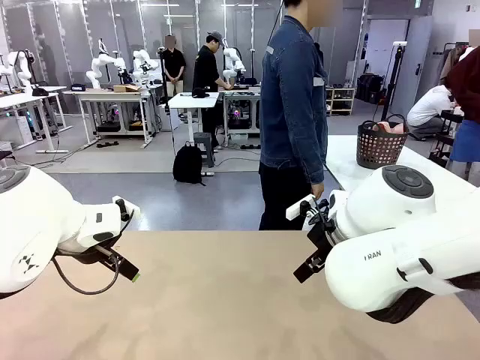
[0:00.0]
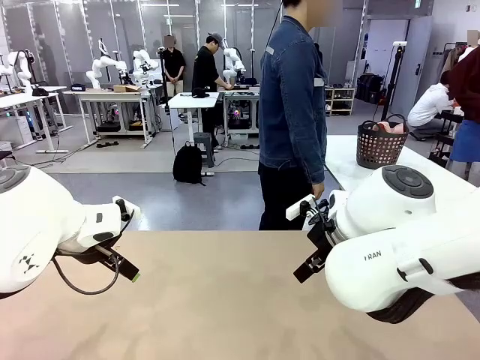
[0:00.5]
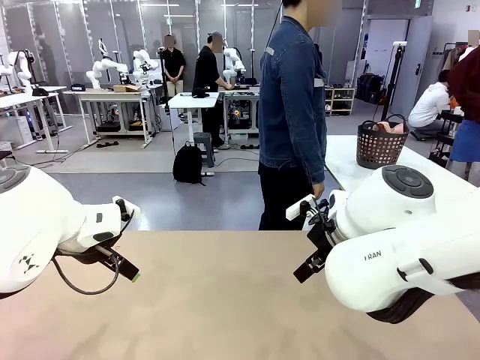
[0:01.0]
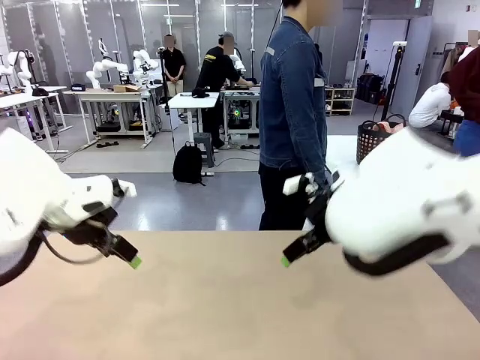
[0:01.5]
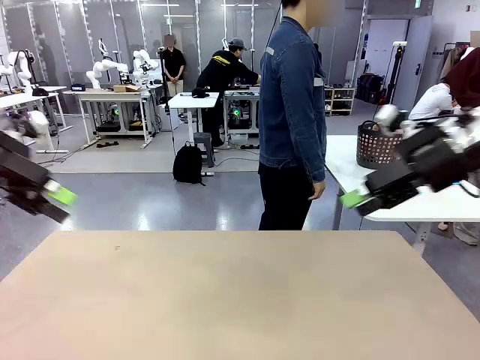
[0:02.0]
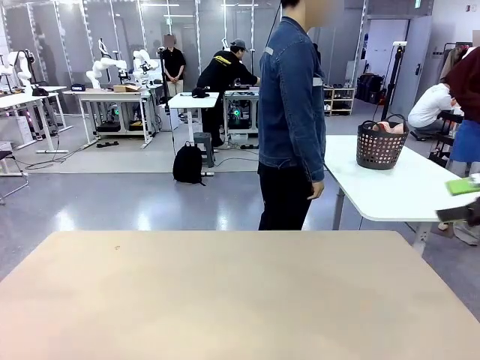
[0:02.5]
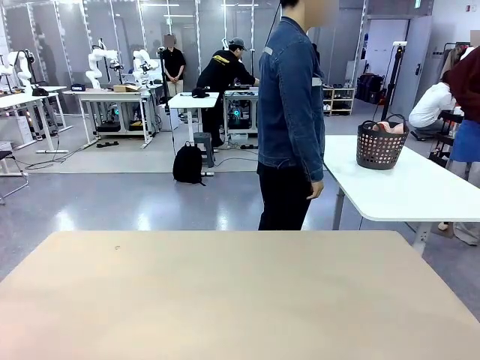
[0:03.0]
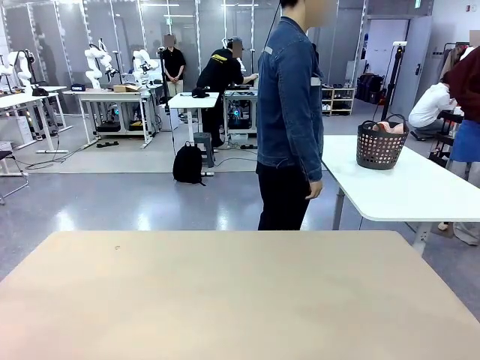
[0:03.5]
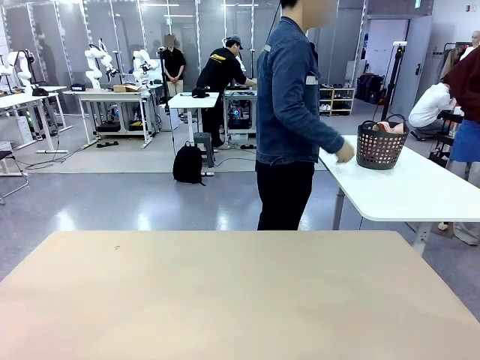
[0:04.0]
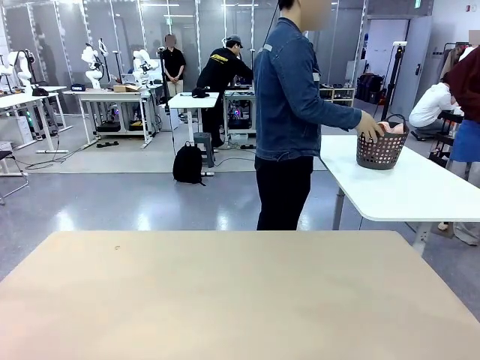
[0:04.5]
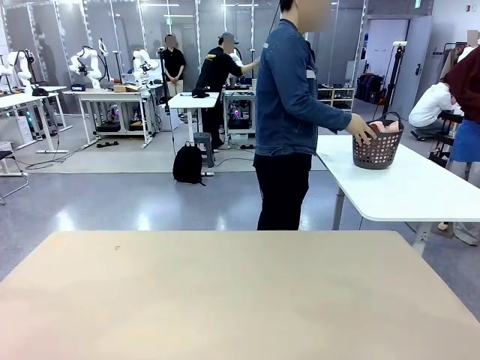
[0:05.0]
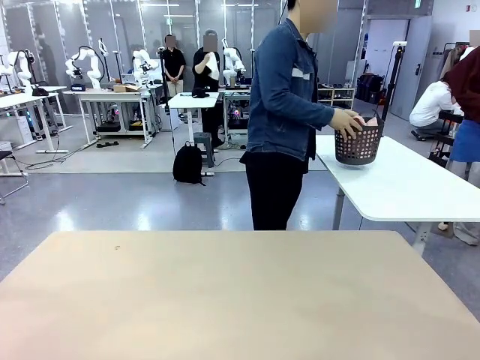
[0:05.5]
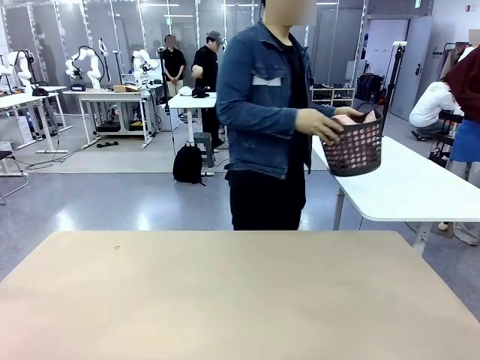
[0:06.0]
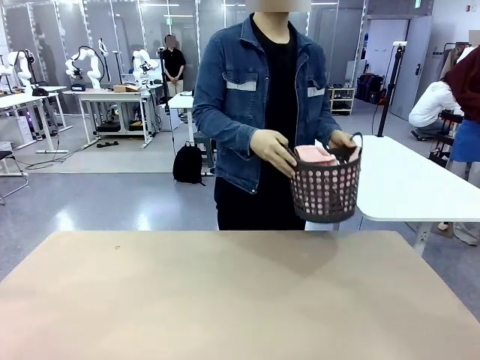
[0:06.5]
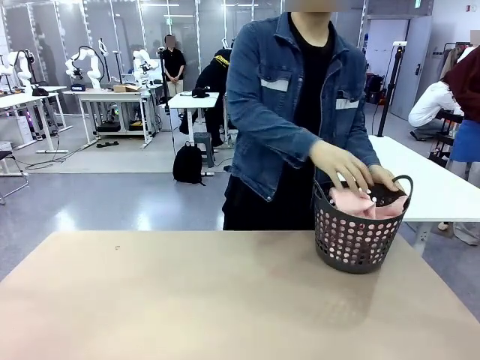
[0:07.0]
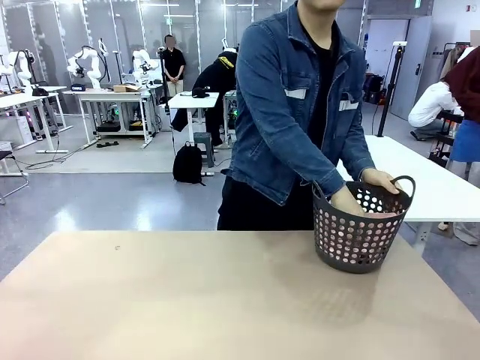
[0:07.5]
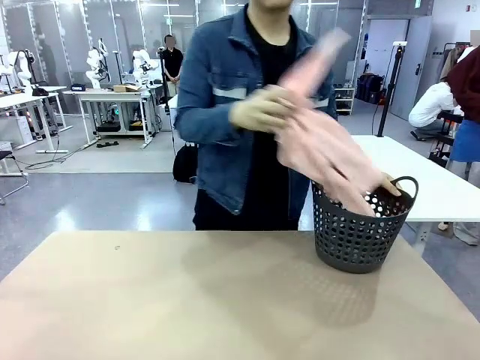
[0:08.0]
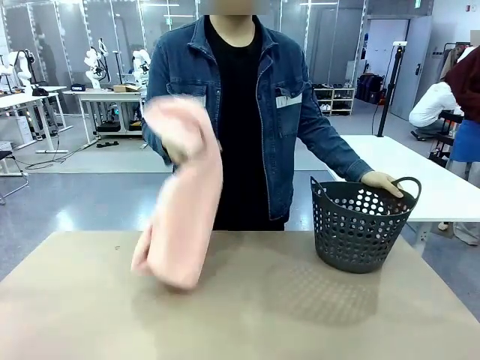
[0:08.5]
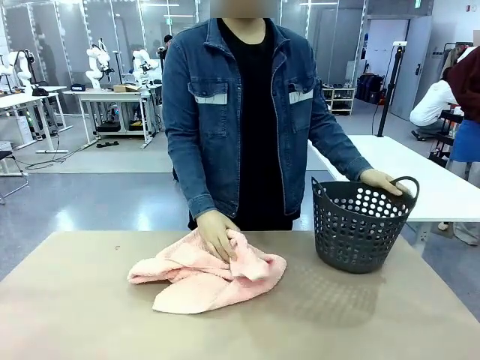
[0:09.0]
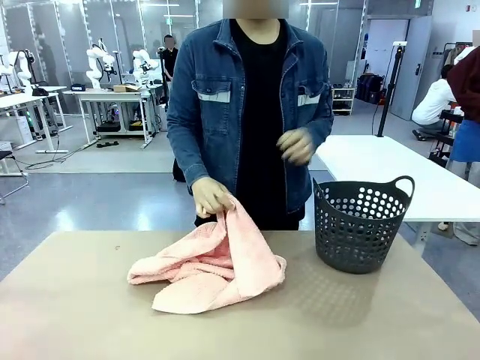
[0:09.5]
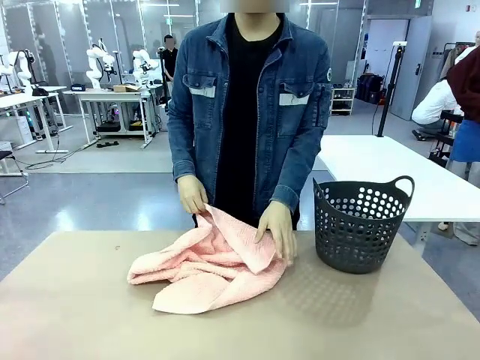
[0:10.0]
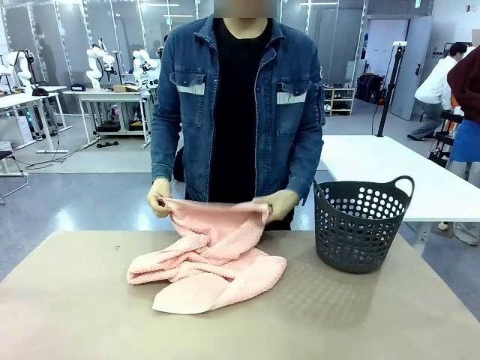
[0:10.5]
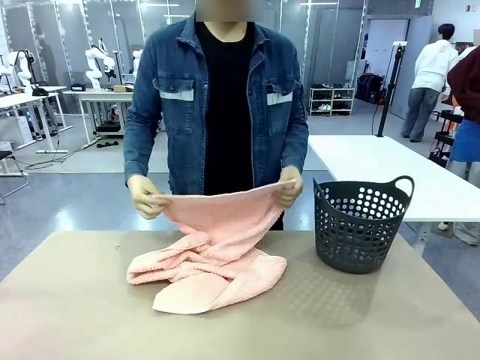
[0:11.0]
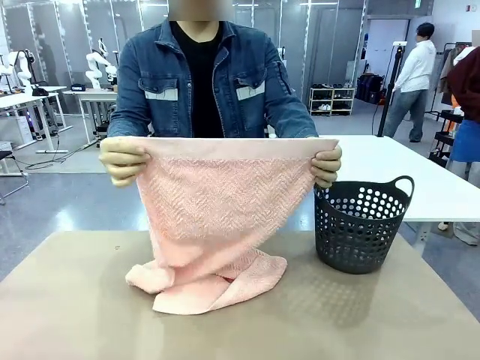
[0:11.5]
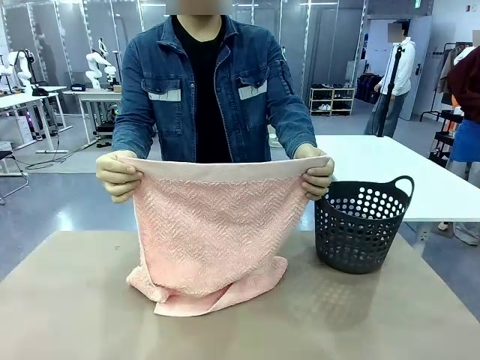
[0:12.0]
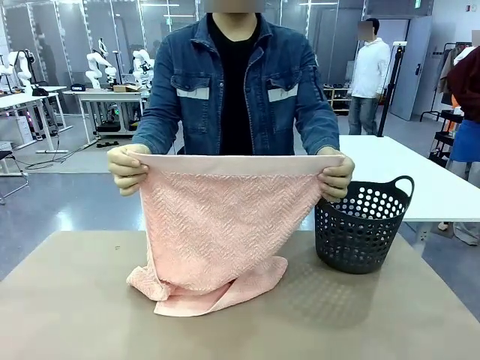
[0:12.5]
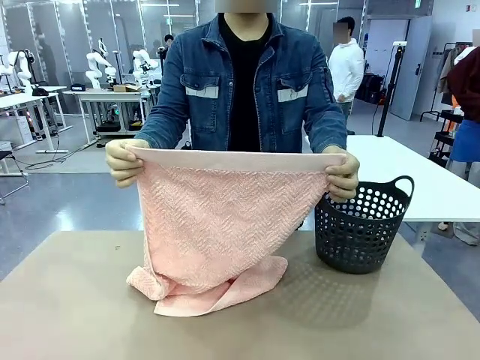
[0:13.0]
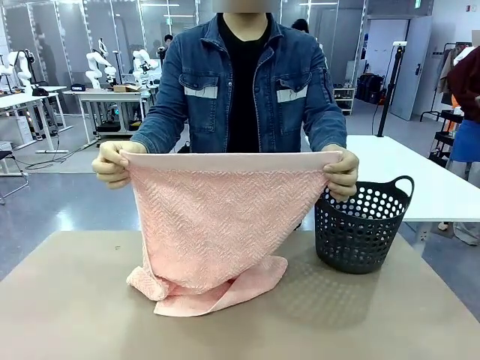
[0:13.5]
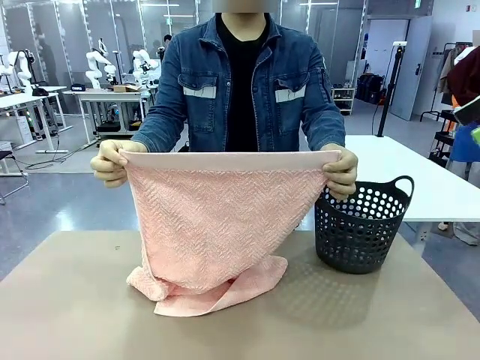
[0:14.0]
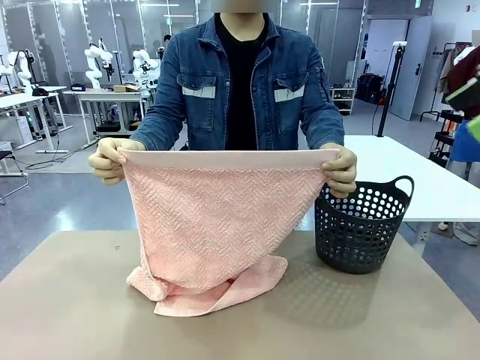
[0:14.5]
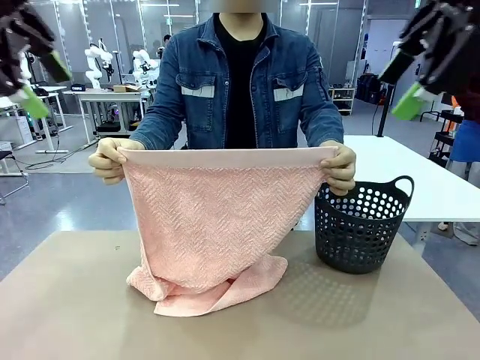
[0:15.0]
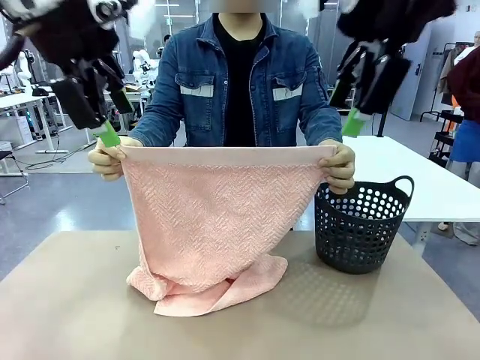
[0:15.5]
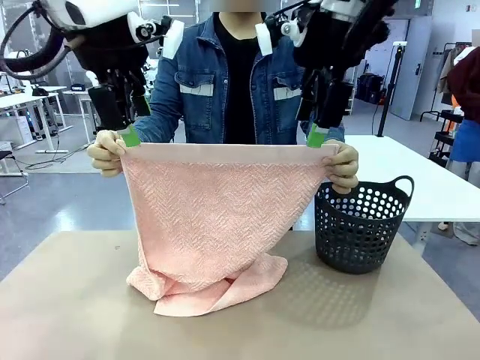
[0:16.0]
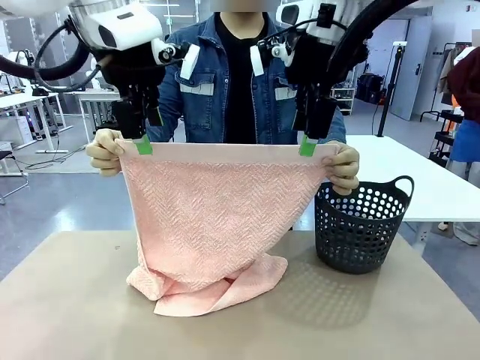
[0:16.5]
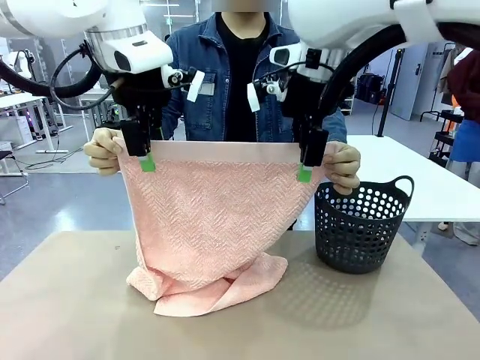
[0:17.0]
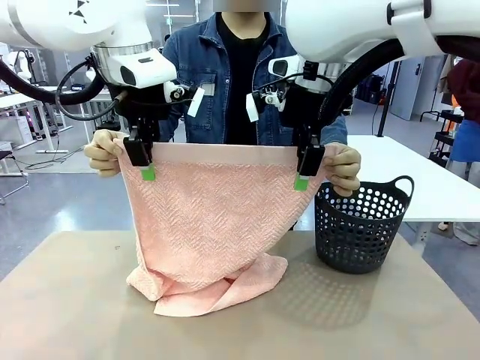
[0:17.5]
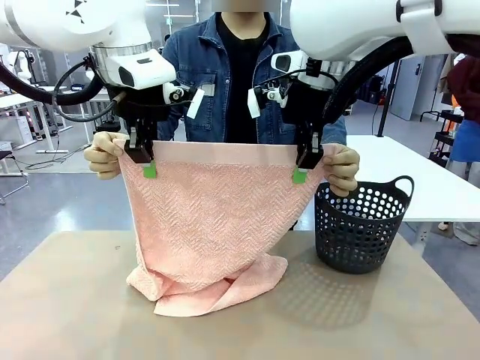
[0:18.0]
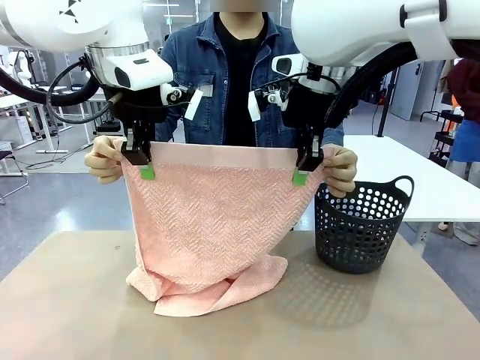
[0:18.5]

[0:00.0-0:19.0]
Task: Fold the towel.
Robot: Grab the top end of the 100 cm Hotel Towel extended by the human.
Person: Pick up the laundry basket, place it on the left side of the robot table, then take out a towel and hand it to the robot while holding both corners of one end.

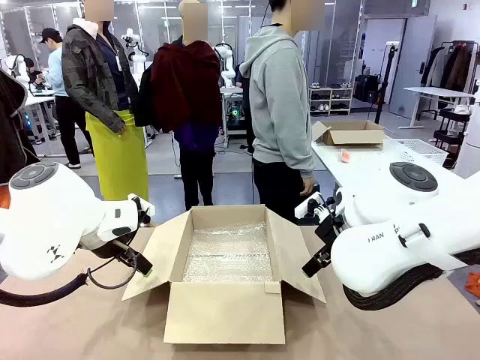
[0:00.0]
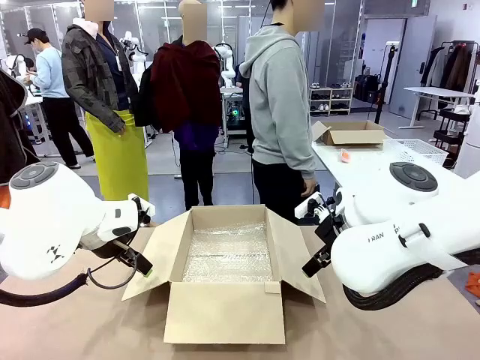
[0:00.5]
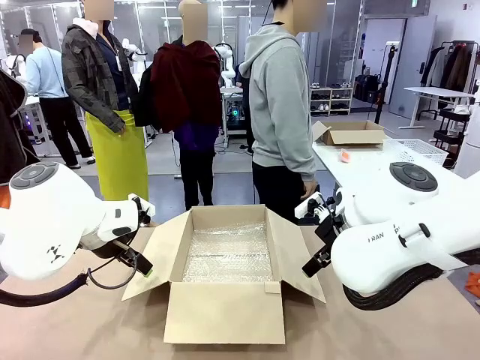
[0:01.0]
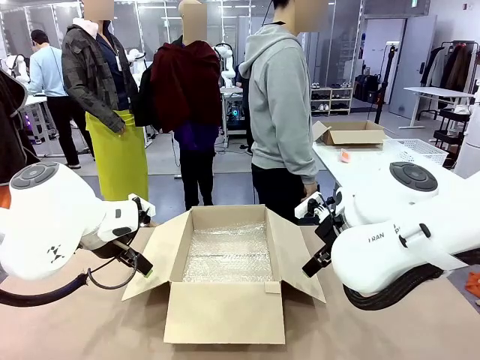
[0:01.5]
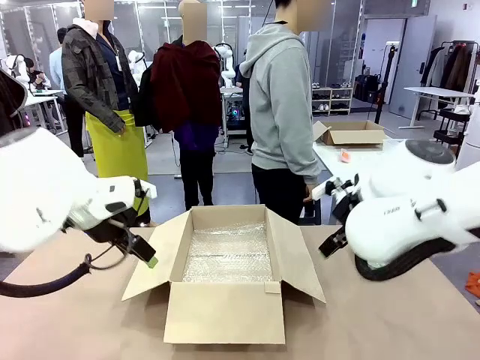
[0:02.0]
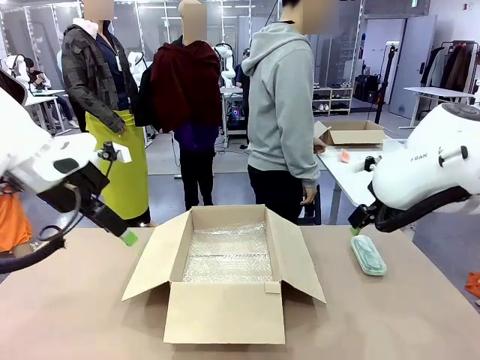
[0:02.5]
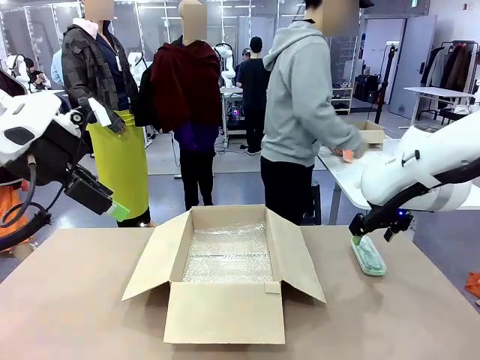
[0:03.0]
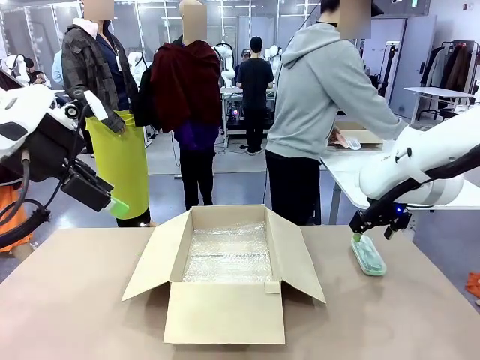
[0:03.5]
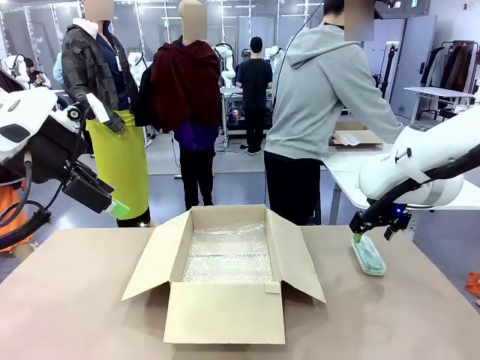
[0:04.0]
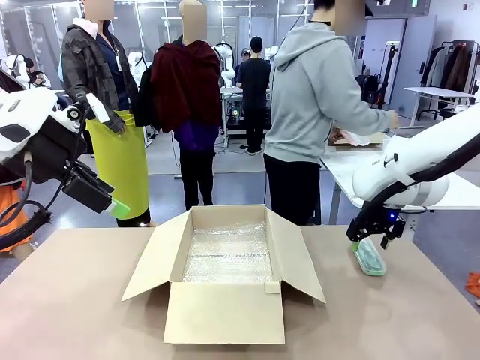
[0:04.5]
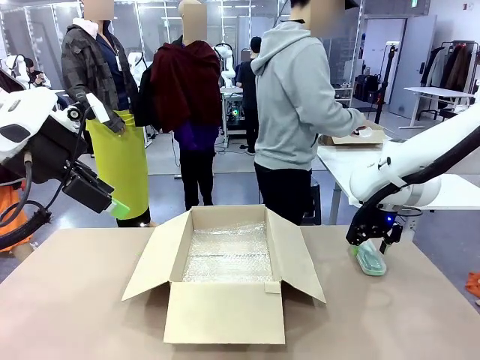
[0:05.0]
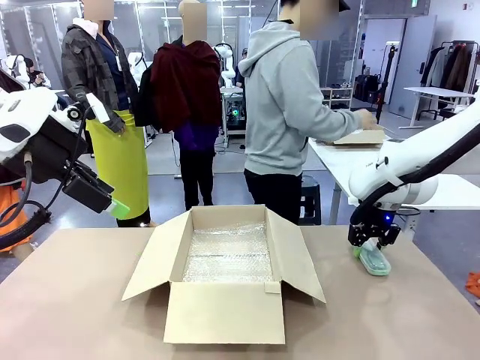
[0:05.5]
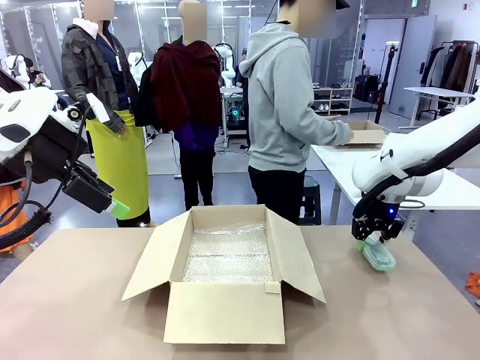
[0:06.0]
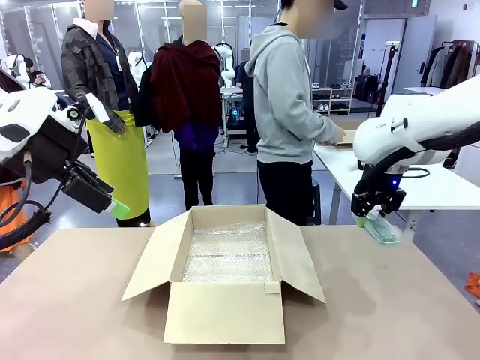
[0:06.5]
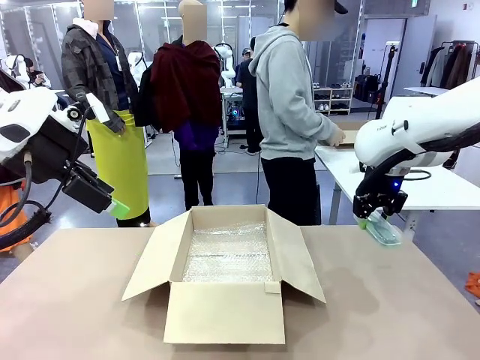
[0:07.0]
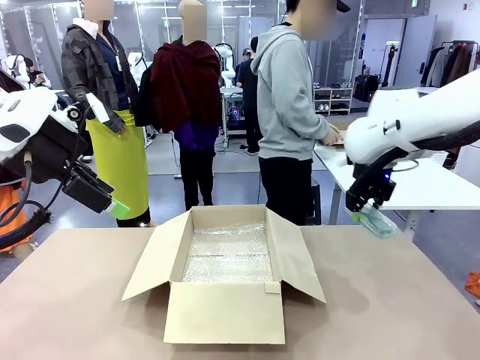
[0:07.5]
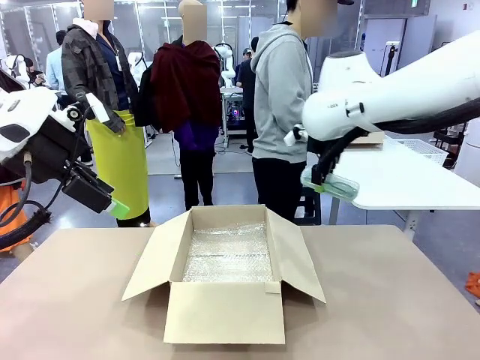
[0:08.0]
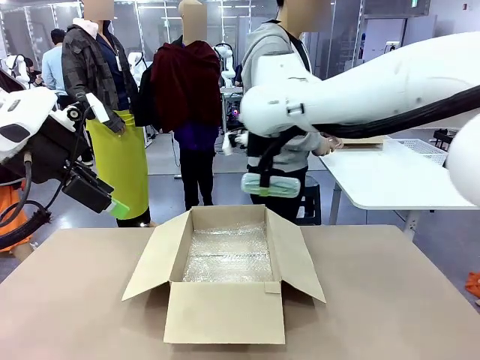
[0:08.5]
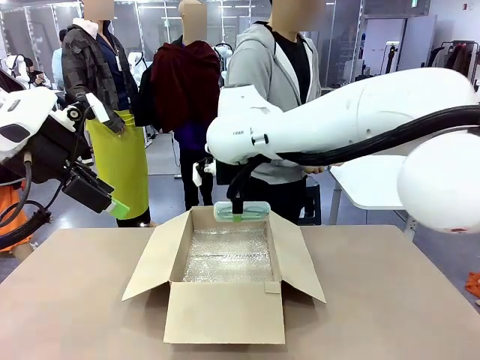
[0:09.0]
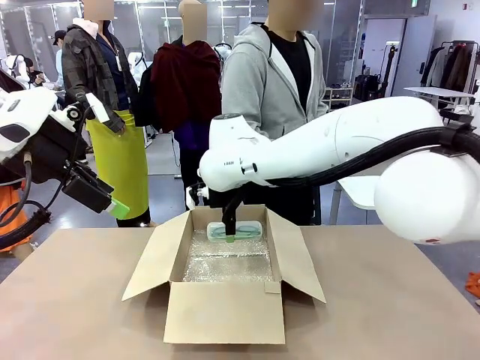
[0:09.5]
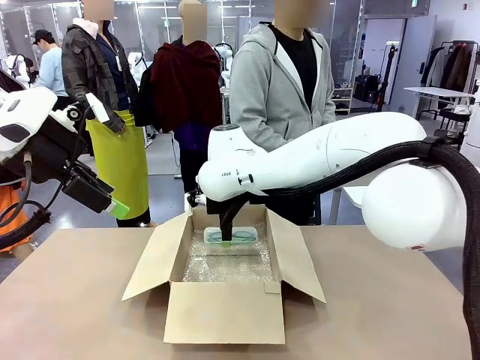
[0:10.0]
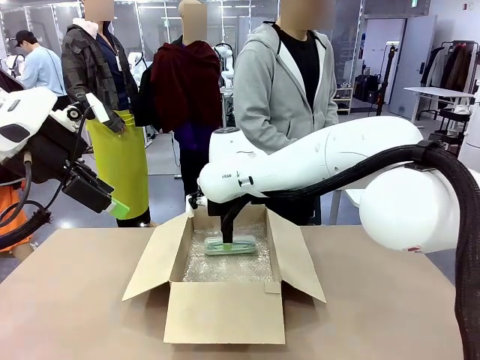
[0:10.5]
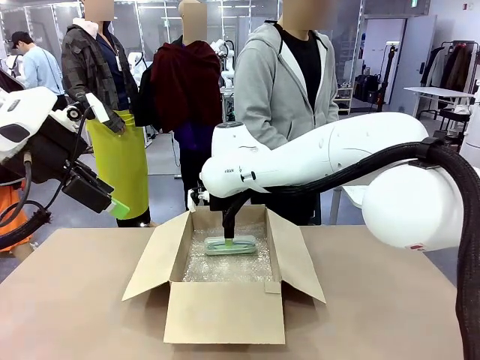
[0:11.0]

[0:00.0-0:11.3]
Task: Pack the glasses set securely to prepare it for shipping.
Robot: Place the Glasses case inside the Package Box.
Person: Place the Glasses inside the Glasses case. Position the Glasses case on the left side of the robot's table.
